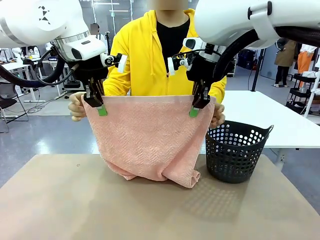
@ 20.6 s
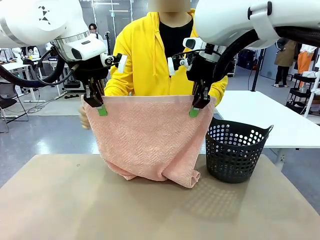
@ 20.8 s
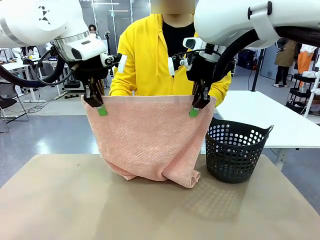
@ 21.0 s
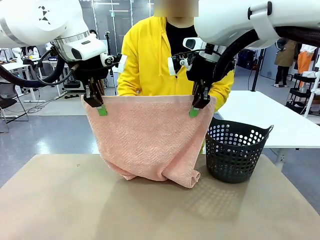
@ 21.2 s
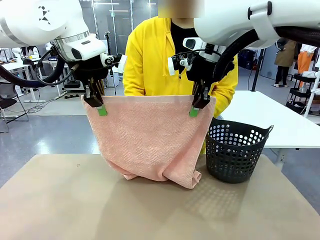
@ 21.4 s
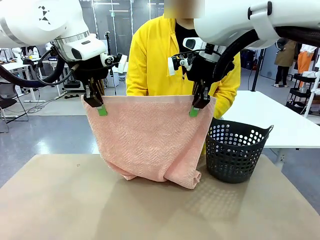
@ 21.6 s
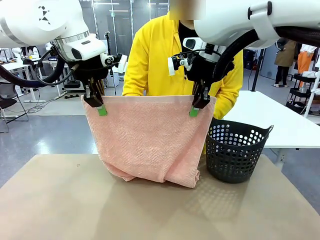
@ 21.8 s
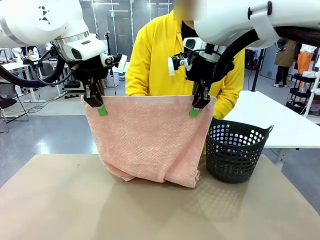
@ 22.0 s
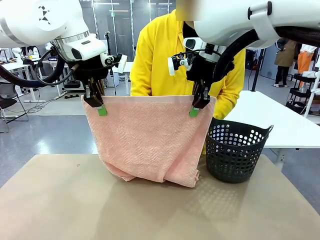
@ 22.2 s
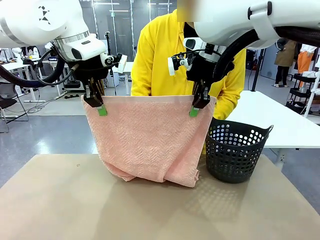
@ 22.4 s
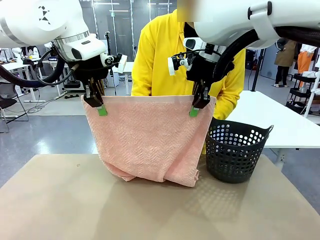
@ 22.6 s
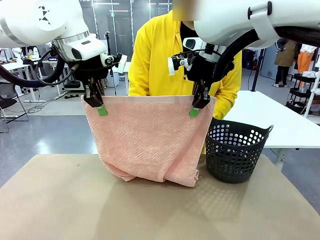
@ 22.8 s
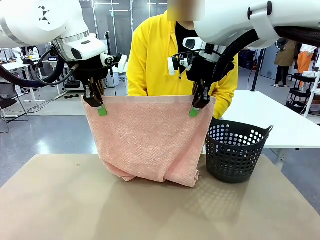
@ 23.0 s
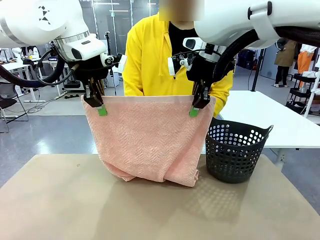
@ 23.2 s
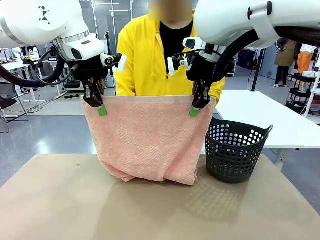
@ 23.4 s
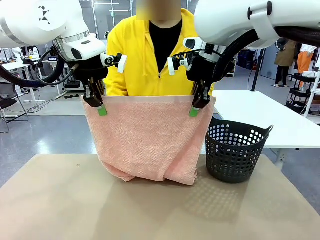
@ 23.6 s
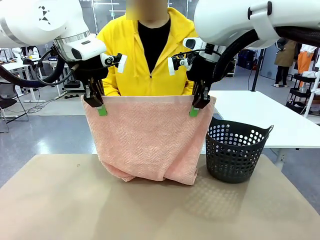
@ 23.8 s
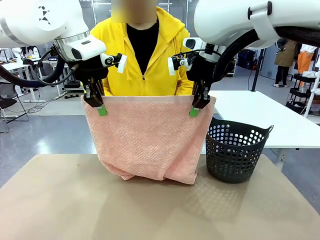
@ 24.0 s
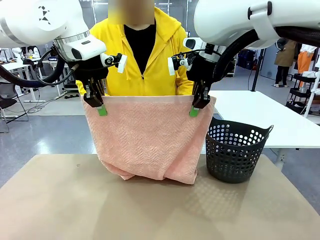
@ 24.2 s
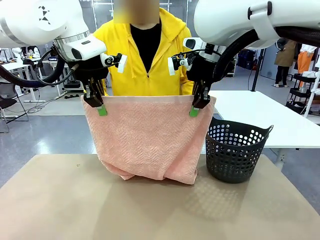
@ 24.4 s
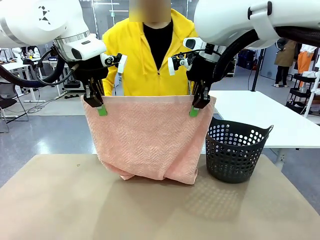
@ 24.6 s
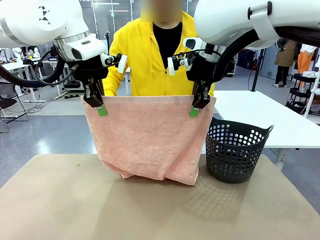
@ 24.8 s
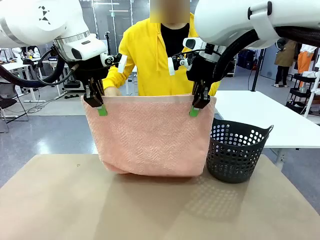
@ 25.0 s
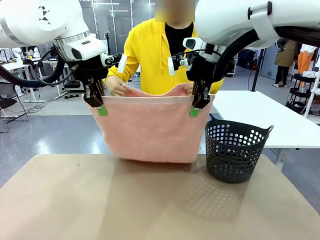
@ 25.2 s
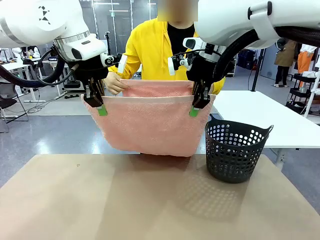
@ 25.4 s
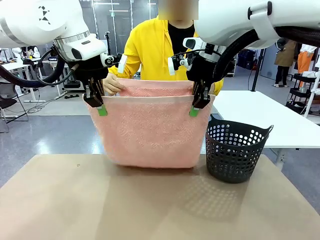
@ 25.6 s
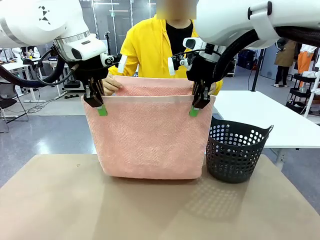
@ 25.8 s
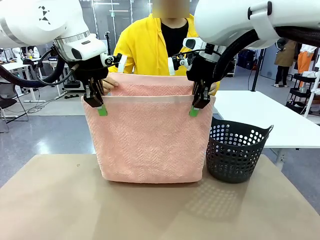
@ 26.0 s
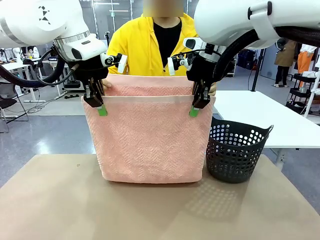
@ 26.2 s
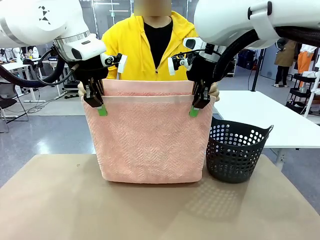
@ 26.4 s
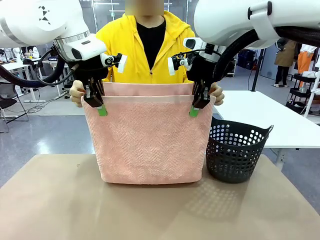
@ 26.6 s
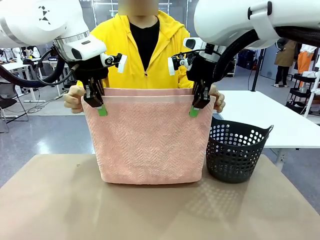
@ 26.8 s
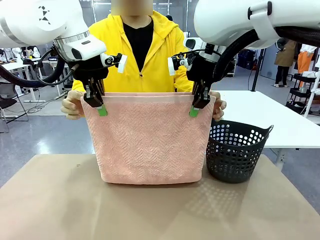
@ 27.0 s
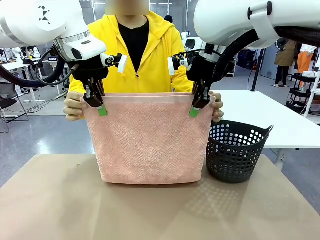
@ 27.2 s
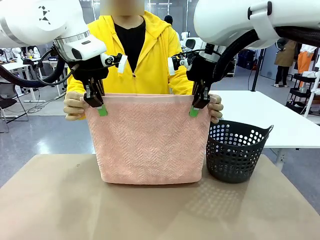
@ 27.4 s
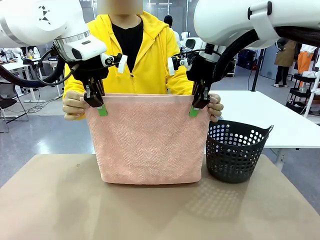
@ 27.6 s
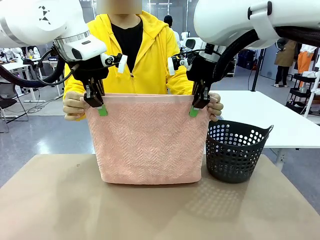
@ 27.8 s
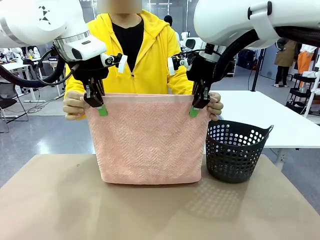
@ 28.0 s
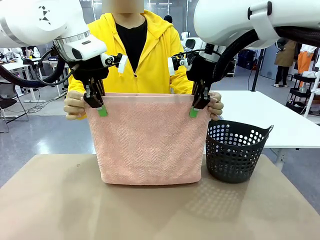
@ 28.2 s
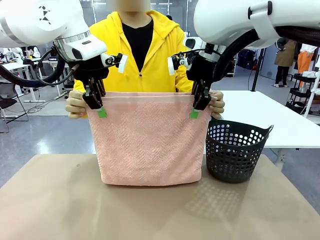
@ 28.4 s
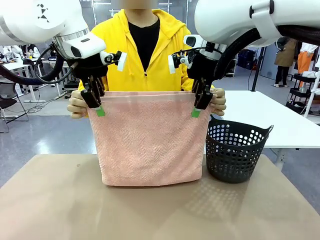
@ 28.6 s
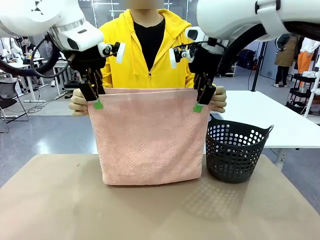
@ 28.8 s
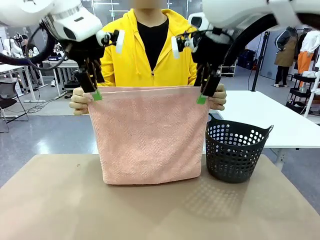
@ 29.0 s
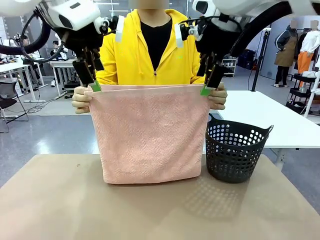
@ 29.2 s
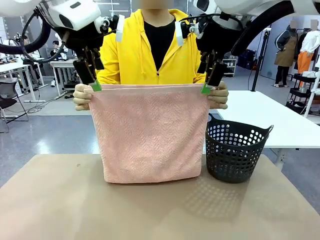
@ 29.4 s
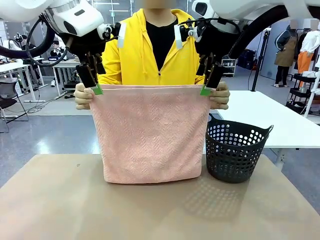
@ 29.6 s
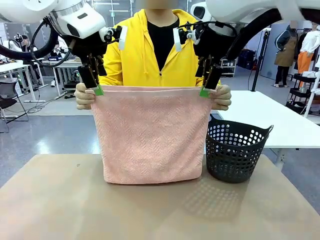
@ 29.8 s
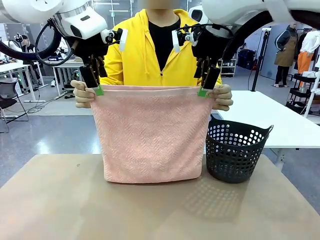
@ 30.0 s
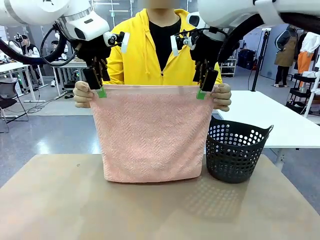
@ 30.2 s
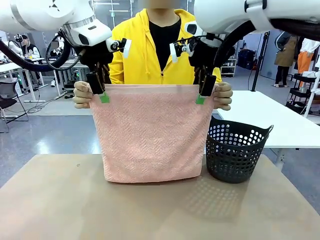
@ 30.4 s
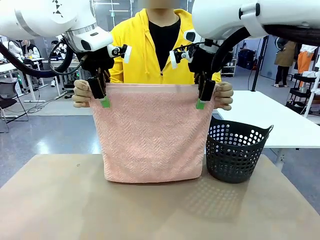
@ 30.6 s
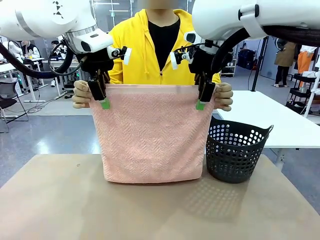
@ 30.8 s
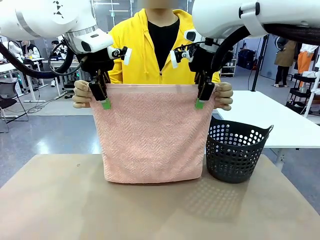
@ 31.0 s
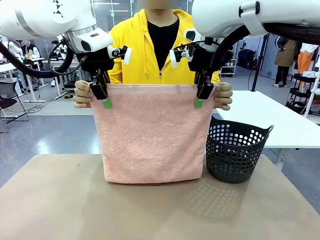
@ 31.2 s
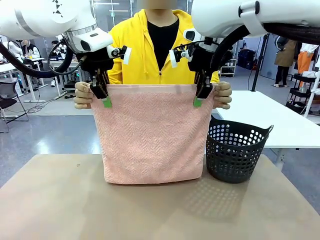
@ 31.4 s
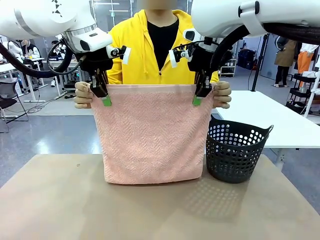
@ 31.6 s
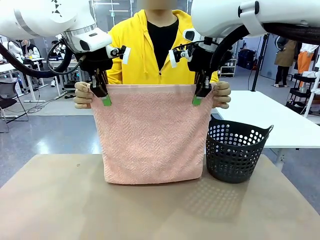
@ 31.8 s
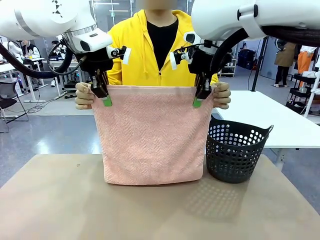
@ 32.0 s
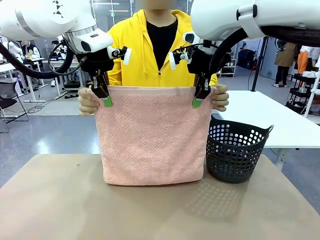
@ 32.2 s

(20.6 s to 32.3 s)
Task: Fold the towel.
Robot: Release the end of the 100 cm Hotel Towel you were holding and grab the top end of the folded side.
Person: Using the point held by the robot as a reference, grasp the opposite end, fold the towel in half, and then hold both ends of the folded towel.

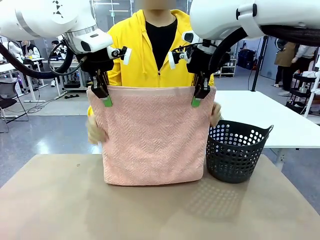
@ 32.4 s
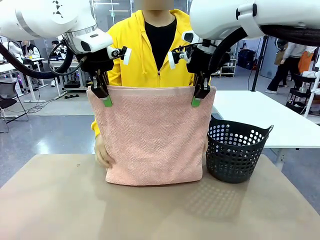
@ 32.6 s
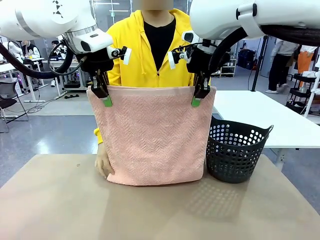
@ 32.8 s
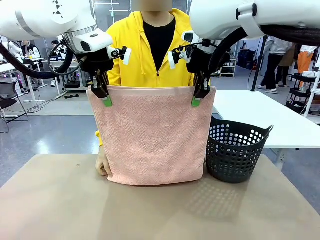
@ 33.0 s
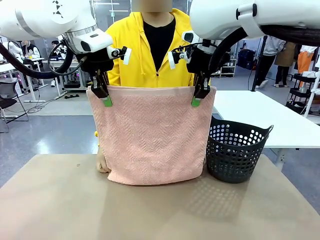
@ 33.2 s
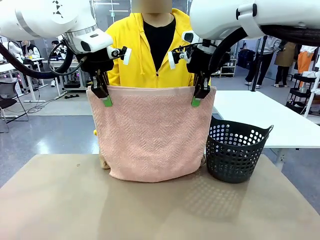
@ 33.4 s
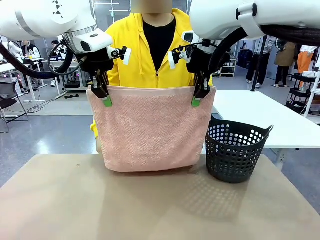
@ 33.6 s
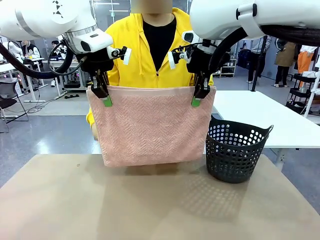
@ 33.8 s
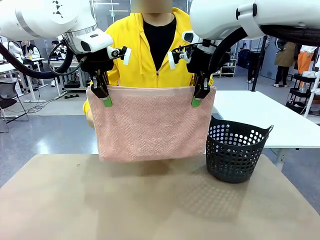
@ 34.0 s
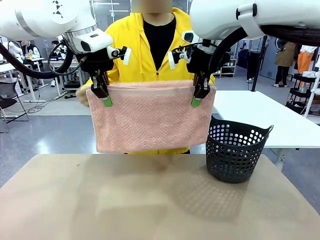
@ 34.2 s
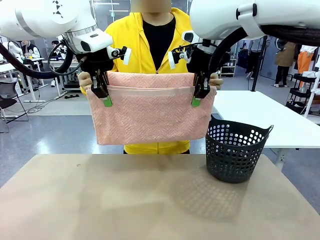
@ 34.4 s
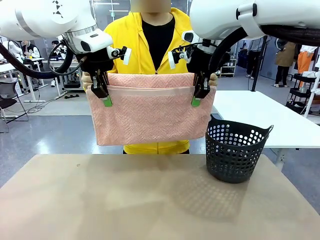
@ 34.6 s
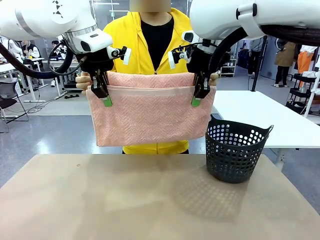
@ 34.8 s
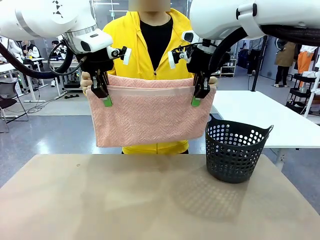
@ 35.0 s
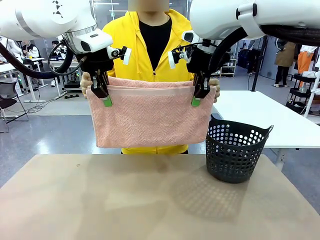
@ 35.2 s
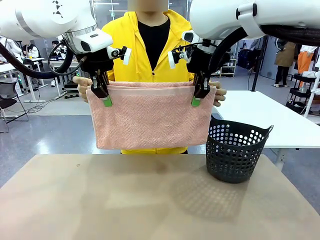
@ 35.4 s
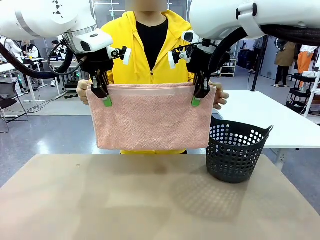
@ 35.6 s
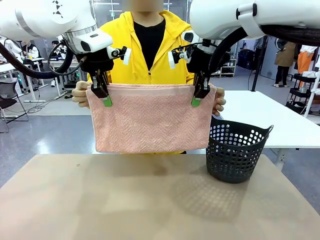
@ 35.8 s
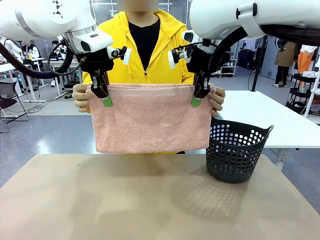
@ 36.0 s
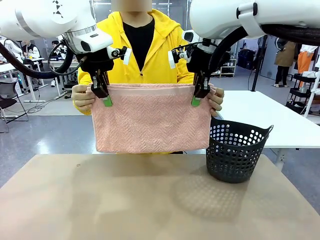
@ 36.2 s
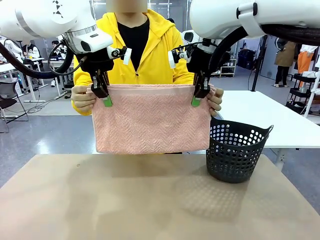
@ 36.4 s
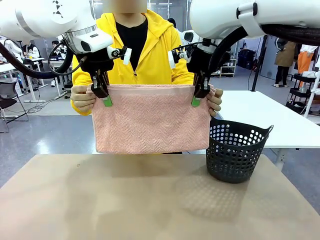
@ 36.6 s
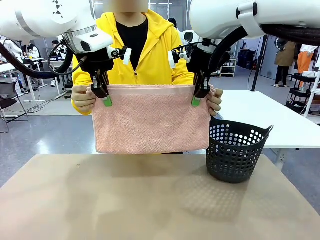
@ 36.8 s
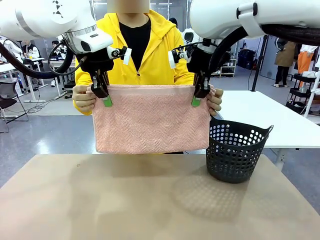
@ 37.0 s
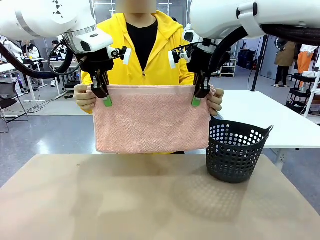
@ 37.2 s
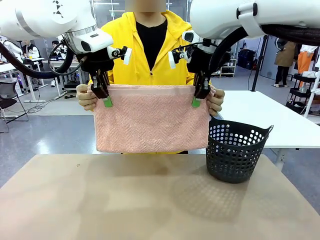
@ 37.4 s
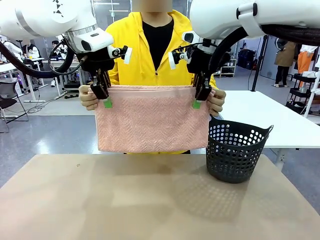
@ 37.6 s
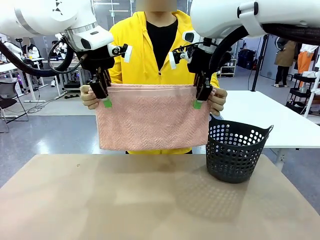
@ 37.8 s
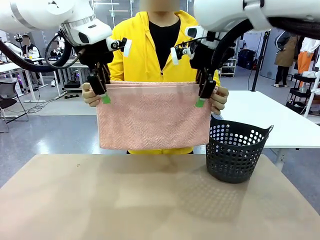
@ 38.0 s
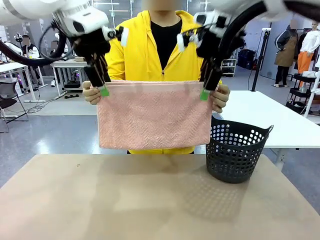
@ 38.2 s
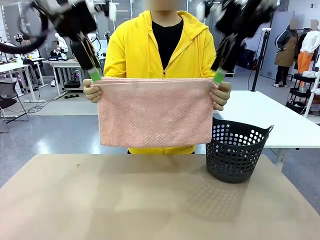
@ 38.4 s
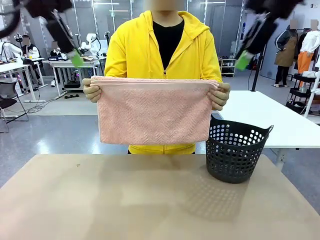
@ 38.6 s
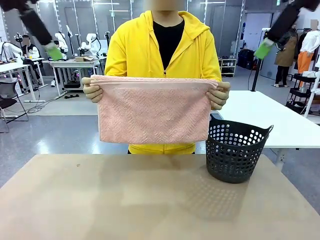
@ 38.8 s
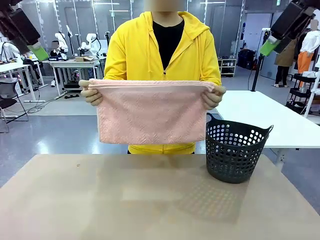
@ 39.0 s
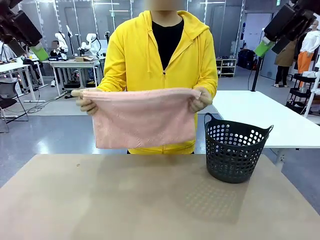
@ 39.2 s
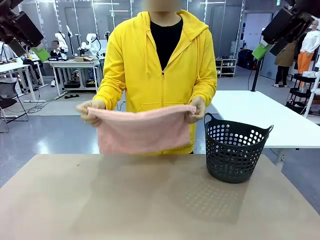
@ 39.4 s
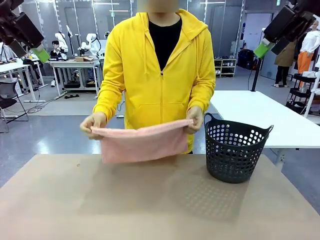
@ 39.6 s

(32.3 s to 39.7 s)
Robot: Release the end of the 100 cm Hotel Towel you were holding.
